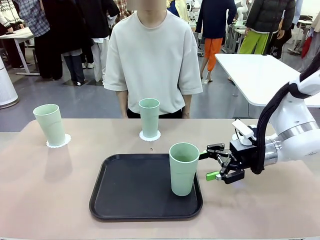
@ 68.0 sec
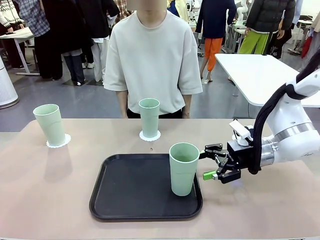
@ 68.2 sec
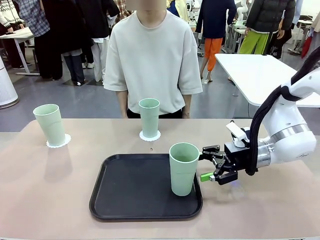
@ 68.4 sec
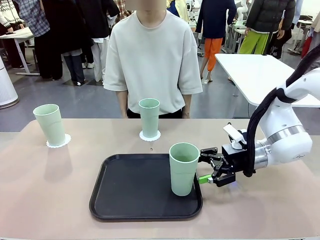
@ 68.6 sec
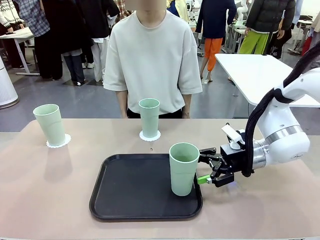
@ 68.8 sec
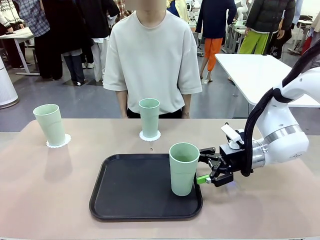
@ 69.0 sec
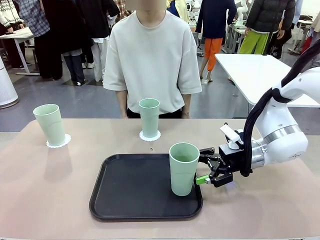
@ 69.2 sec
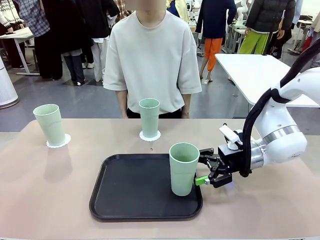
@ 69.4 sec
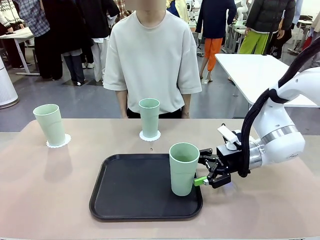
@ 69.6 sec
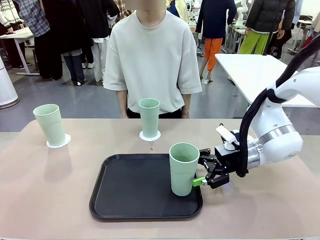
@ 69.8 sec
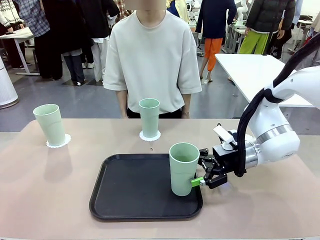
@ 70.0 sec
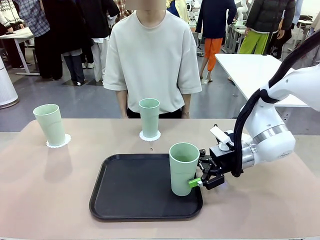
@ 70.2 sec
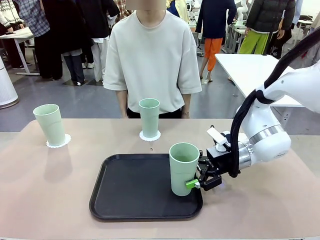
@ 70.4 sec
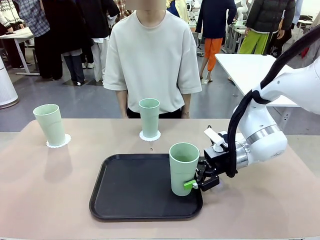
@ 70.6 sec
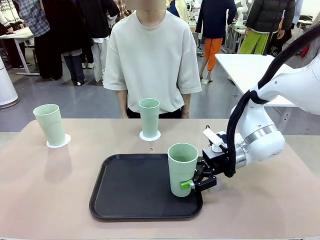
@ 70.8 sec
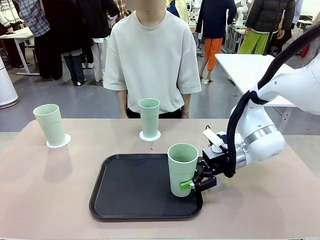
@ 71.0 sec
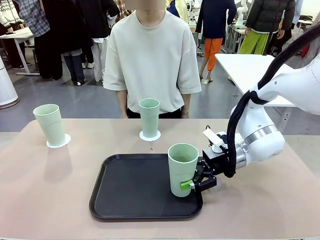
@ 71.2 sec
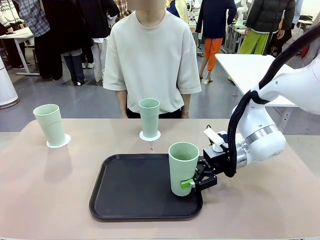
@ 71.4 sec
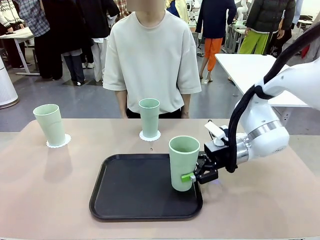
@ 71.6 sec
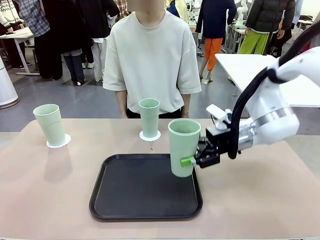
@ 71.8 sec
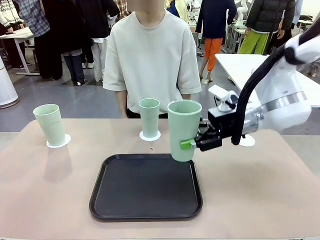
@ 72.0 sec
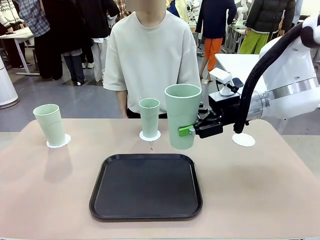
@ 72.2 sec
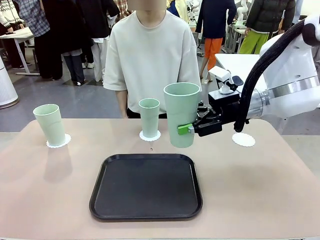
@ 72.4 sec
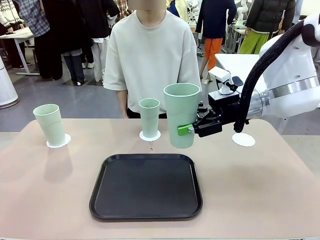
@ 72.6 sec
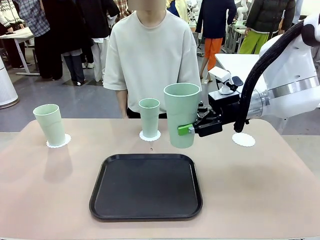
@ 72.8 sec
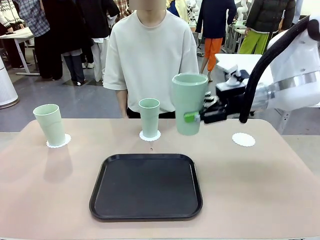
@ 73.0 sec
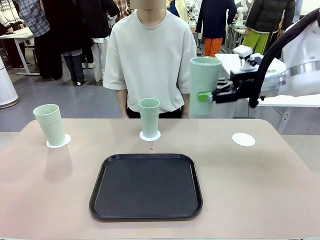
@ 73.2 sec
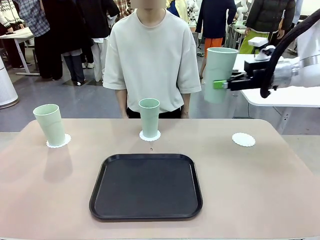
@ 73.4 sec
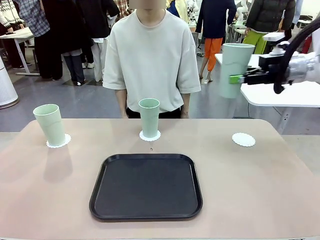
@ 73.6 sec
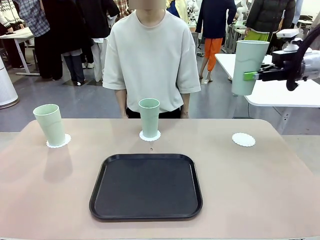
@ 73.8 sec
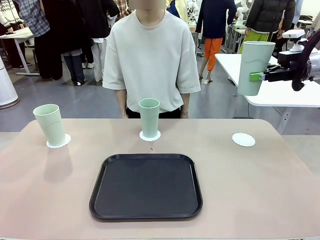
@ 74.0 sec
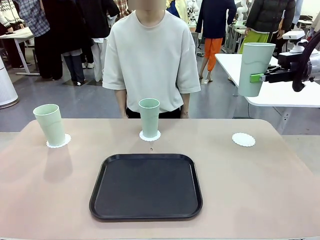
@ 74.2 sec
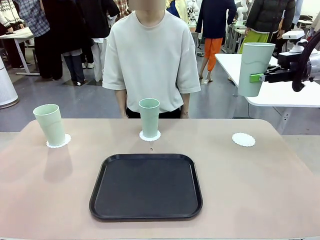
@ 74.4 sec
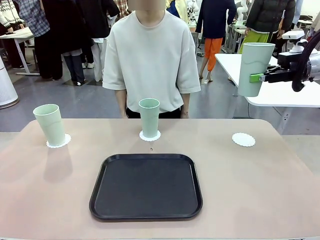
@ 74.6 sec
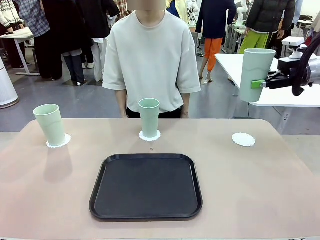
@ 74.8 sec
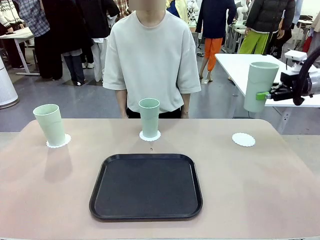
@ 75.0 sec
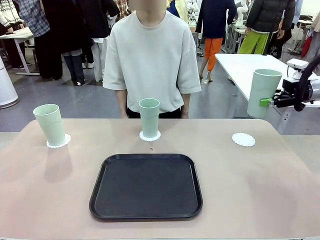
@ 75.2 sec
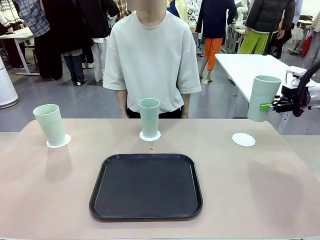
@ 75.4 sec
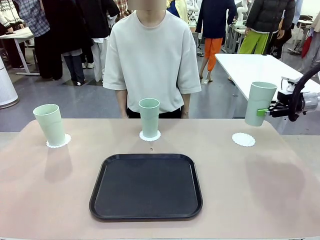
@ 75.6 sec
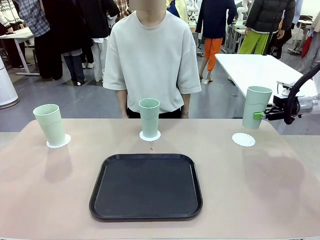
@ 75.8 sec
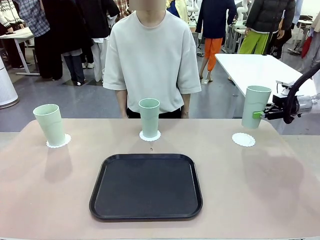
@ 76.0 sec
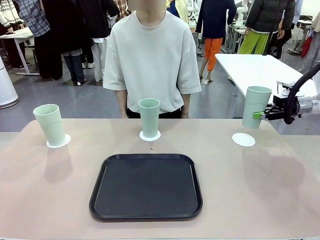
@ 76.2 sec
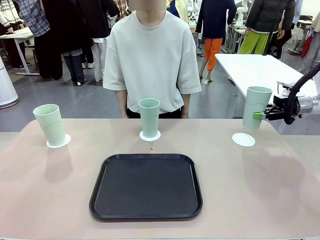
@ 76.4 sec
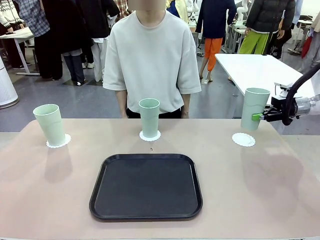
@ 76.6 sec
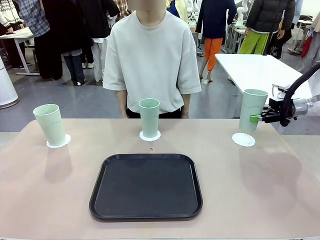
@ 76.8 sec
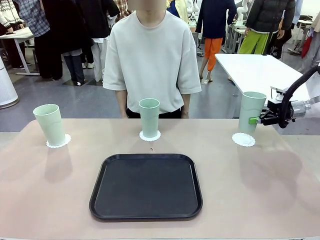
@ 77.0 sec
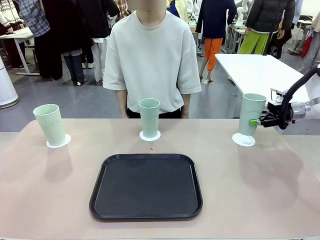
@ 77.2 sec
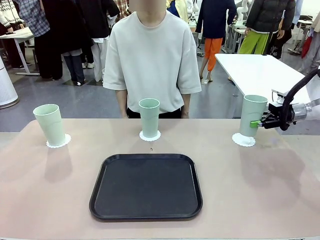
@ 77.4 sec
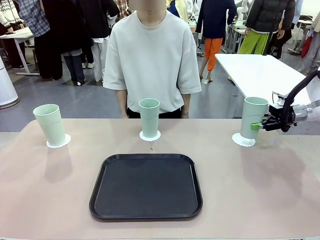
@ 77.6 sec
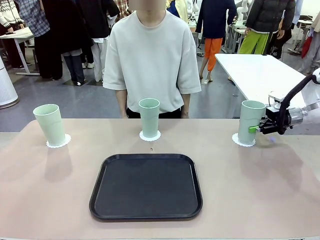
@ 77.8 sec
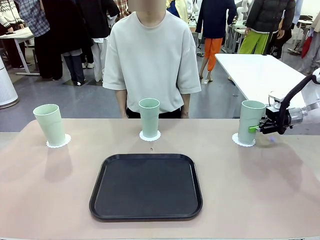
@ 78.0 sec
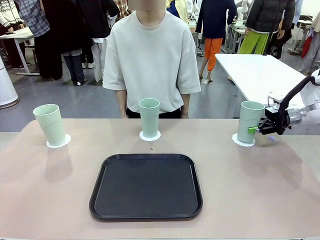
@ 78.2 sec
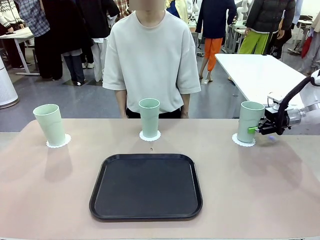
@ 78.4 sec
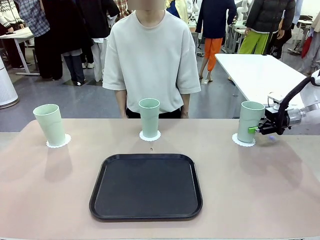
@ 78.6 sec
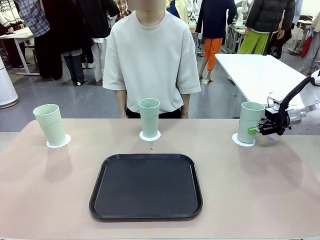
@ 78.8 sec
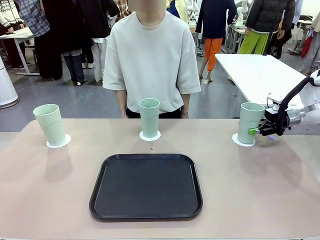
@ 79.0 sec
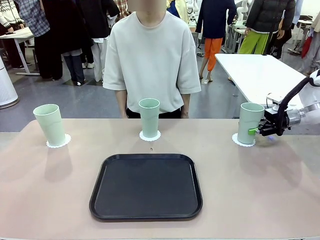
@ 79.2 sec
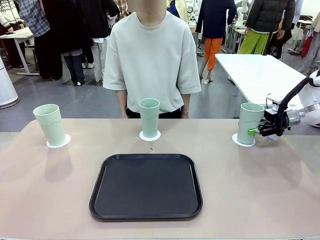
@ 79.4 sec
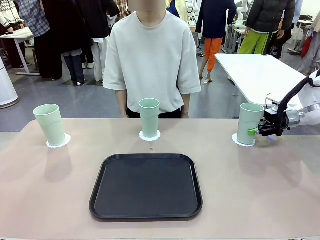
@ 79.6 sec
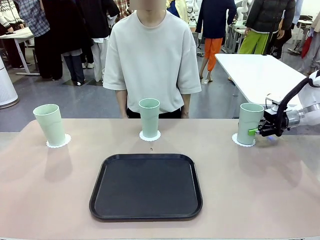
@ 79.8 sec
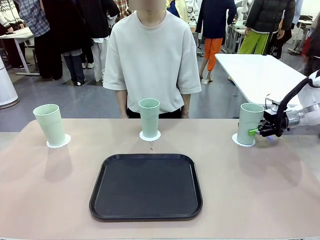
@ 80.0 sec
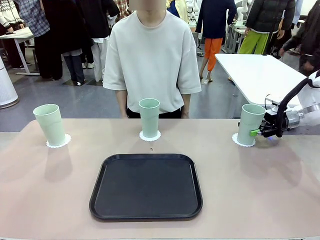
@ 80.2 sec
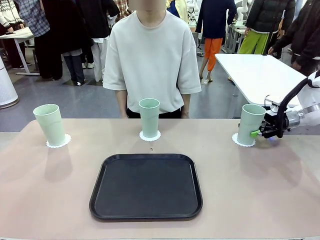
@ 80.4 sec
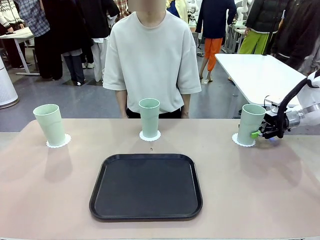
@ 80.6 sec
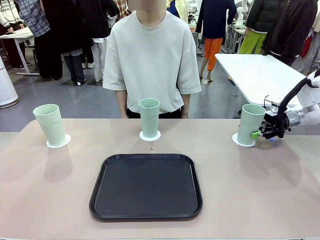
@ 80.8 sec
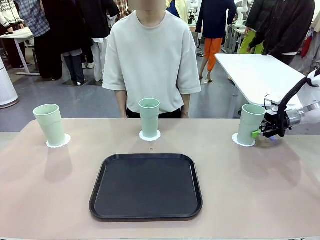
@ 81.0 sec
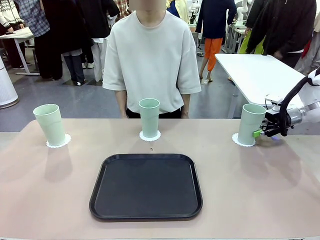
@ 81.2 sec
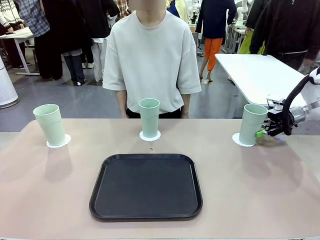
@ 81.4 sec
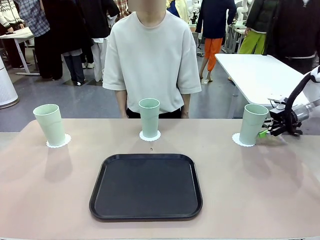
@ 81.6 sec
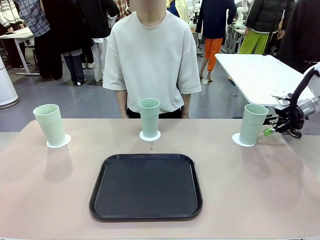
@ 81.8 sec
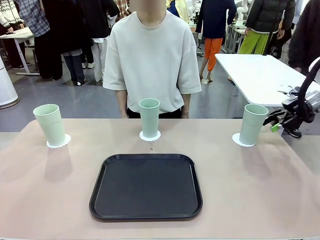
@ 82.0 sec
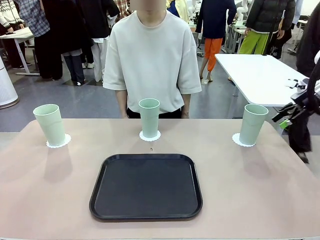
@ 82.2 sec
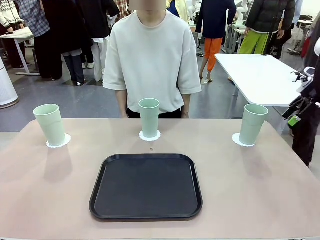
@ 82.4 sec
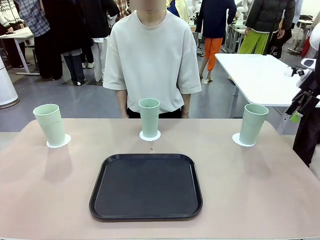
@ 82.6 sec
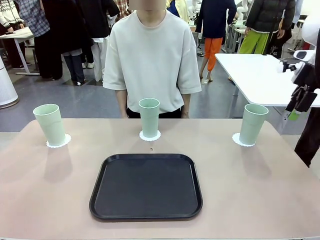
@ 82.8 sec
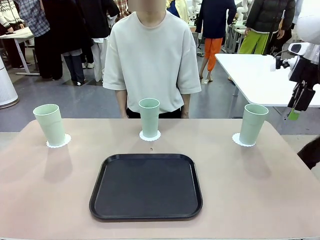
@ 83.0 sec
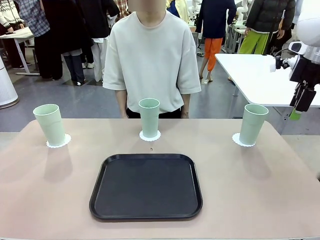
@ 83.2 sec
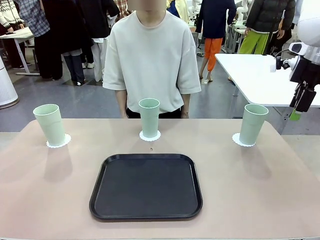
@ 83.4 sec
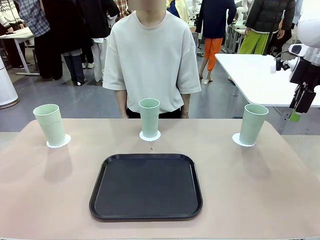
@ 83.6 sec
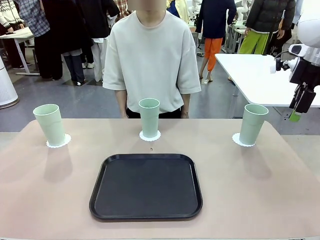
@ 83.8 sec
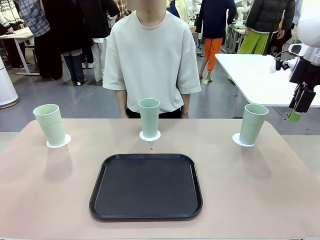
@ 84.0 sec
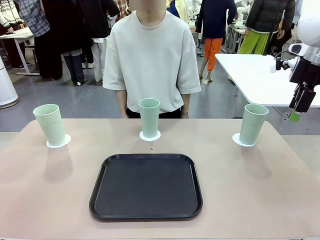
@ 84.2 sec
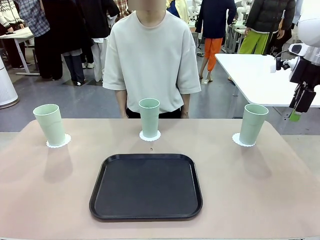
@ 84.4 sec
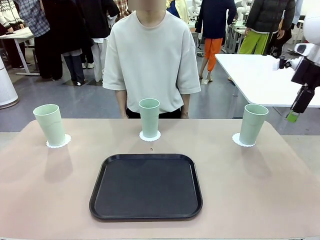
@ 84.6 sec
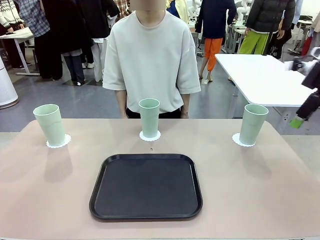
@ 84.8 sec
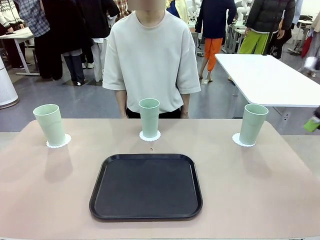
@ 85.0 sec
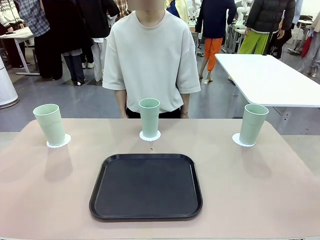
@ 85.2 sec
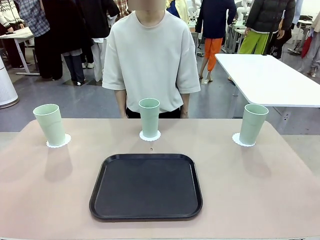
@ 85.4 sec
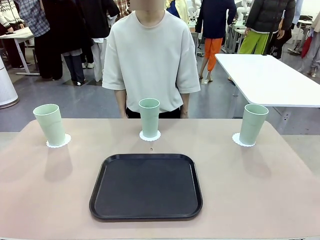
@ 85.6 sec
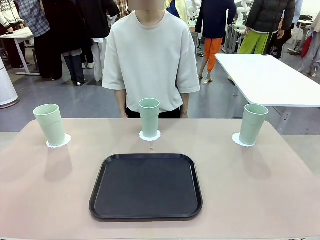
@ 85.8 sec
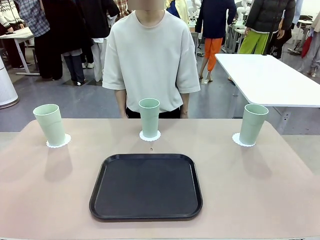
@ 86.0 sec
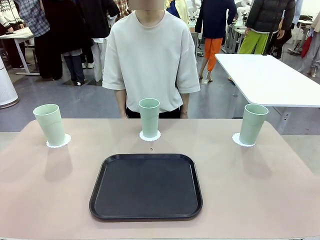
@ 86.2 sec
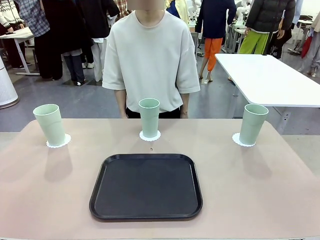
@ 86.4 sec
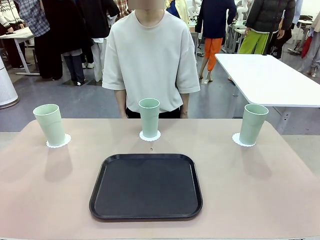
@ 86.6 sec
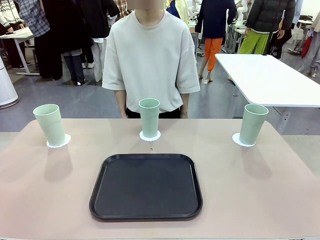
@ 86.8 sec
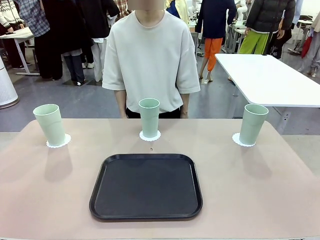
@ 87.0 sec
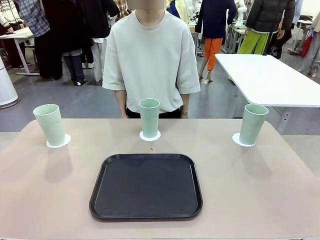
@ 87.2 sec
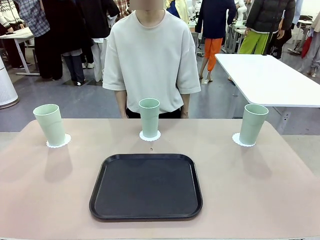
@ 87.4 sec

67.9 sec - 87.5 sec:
Task: Place coasters on the table and set cups on them.
Robot: Take one Reusable plastic cup from the Flat Tray and place it on a coaster set by the human.
